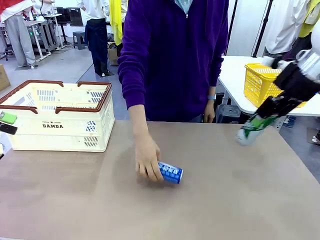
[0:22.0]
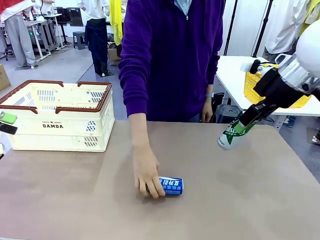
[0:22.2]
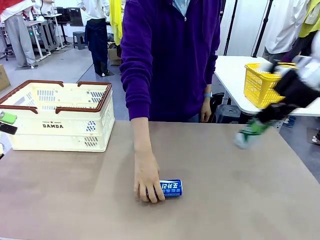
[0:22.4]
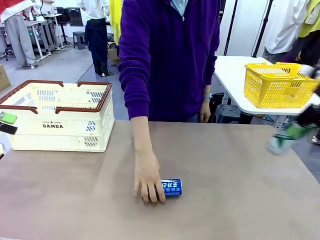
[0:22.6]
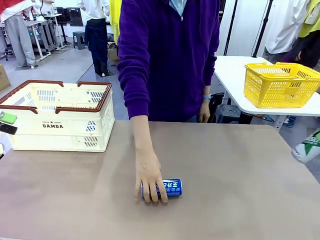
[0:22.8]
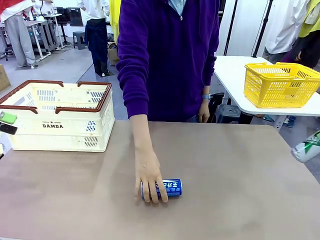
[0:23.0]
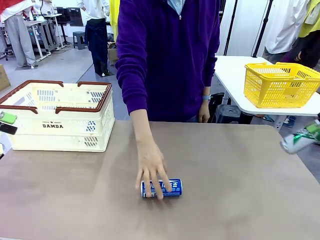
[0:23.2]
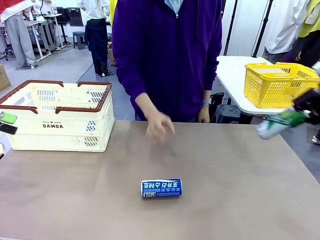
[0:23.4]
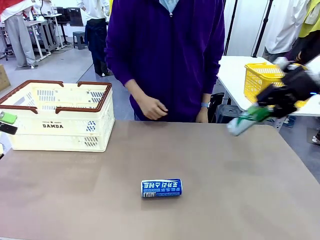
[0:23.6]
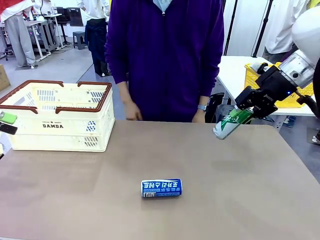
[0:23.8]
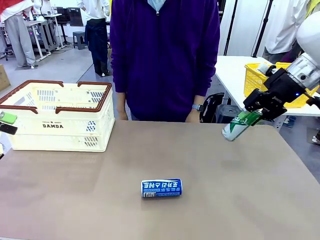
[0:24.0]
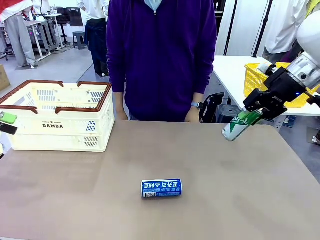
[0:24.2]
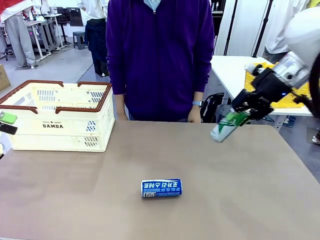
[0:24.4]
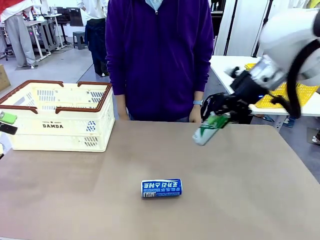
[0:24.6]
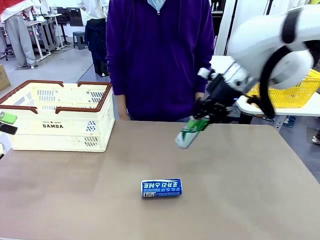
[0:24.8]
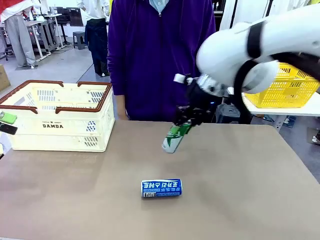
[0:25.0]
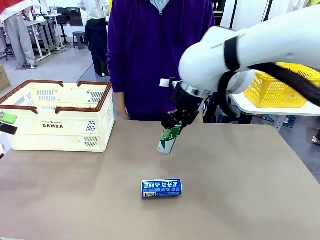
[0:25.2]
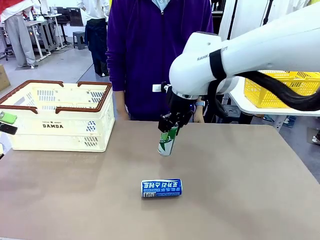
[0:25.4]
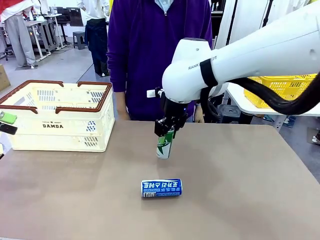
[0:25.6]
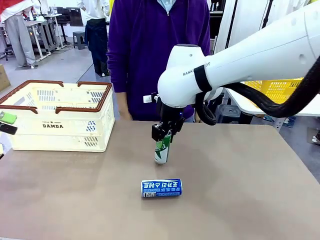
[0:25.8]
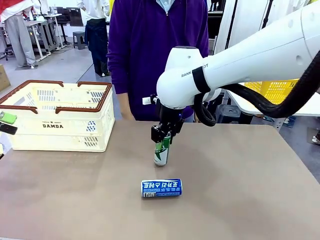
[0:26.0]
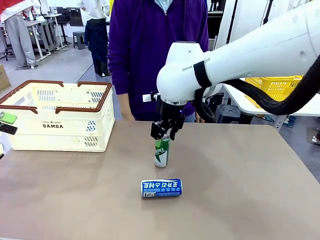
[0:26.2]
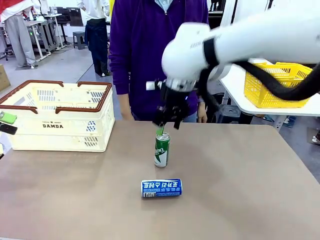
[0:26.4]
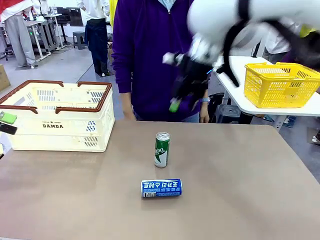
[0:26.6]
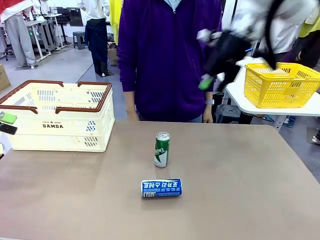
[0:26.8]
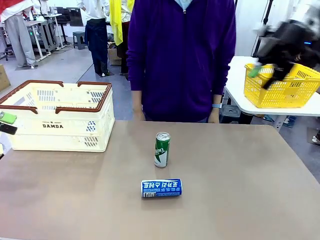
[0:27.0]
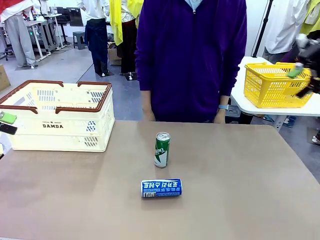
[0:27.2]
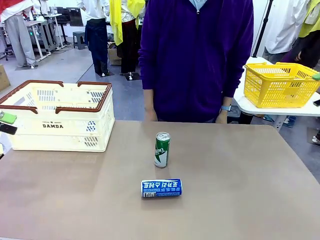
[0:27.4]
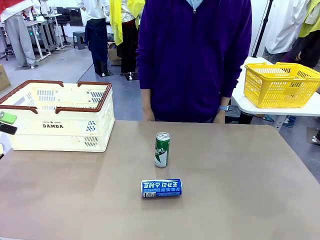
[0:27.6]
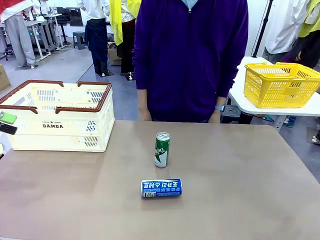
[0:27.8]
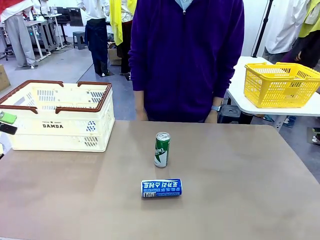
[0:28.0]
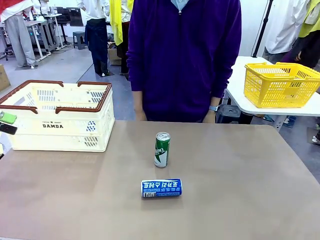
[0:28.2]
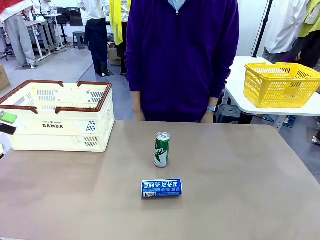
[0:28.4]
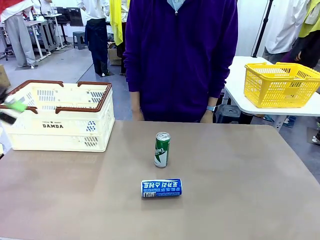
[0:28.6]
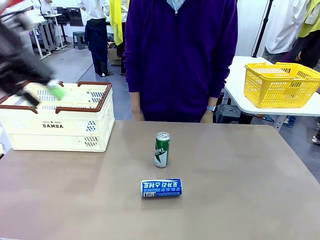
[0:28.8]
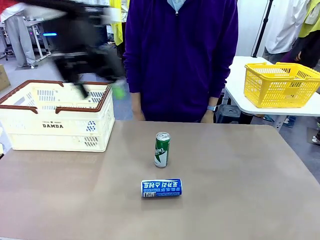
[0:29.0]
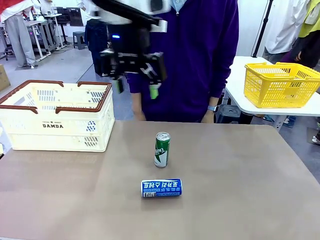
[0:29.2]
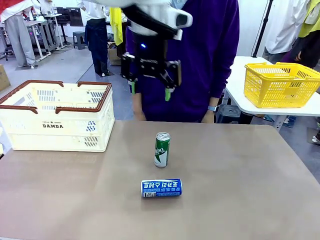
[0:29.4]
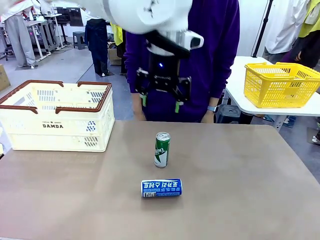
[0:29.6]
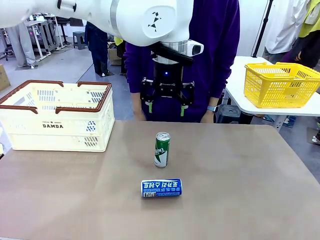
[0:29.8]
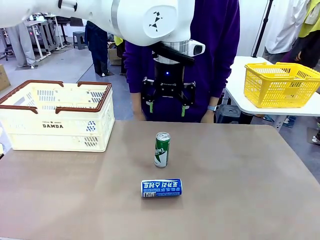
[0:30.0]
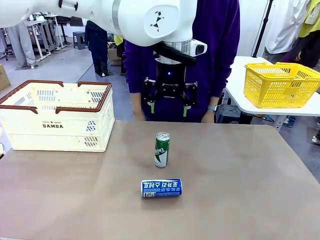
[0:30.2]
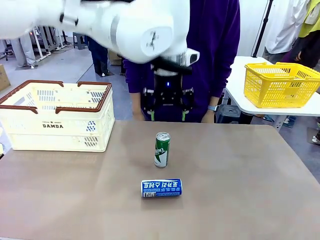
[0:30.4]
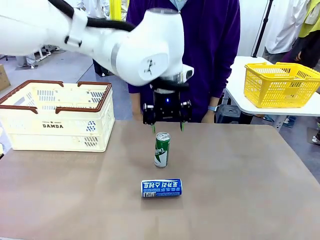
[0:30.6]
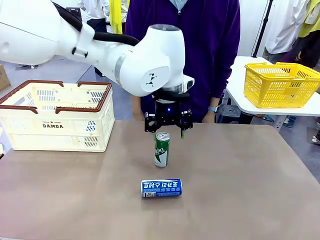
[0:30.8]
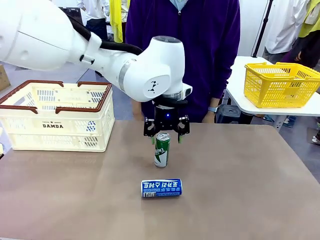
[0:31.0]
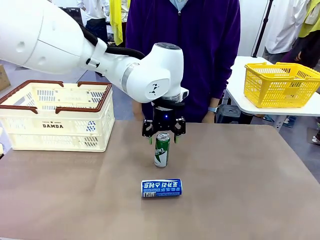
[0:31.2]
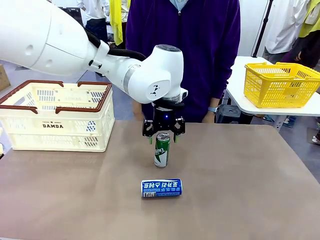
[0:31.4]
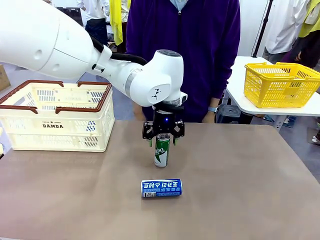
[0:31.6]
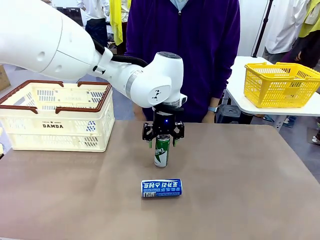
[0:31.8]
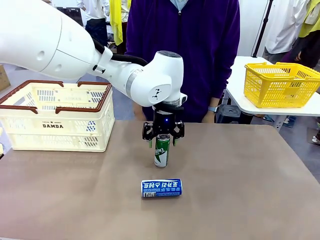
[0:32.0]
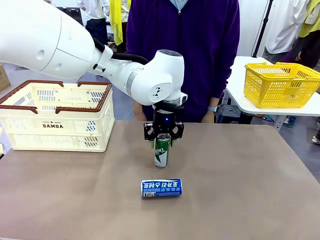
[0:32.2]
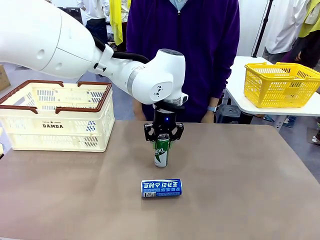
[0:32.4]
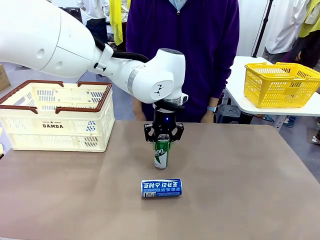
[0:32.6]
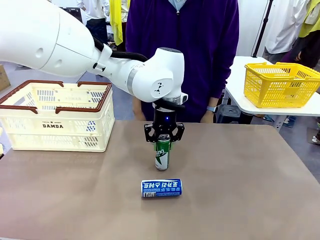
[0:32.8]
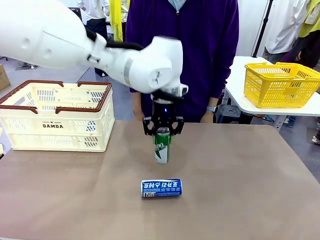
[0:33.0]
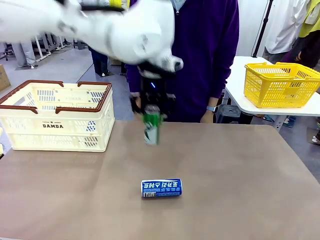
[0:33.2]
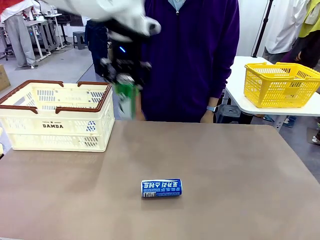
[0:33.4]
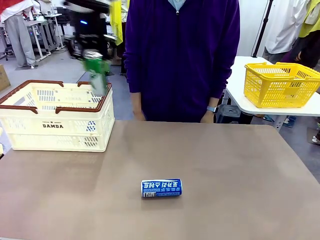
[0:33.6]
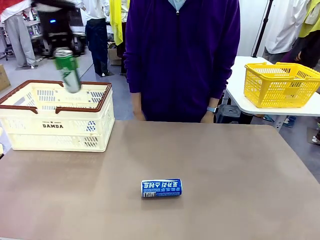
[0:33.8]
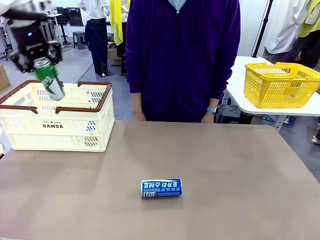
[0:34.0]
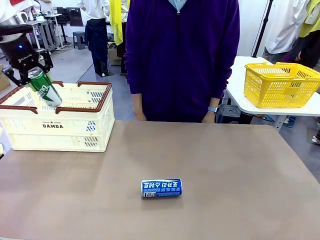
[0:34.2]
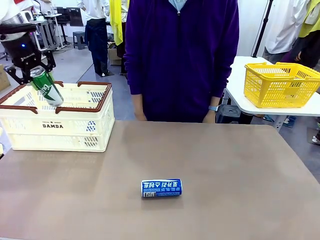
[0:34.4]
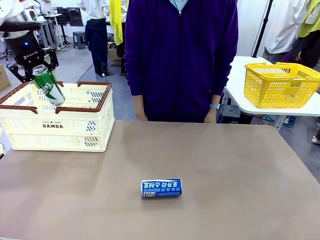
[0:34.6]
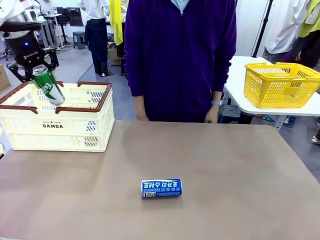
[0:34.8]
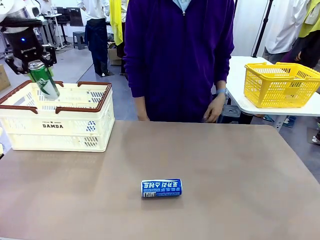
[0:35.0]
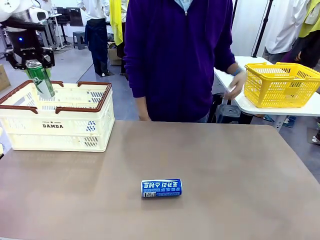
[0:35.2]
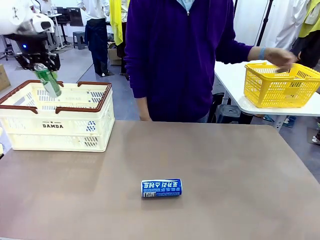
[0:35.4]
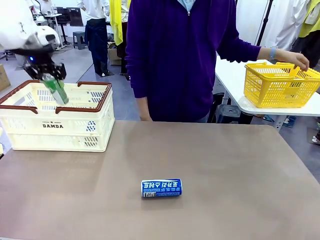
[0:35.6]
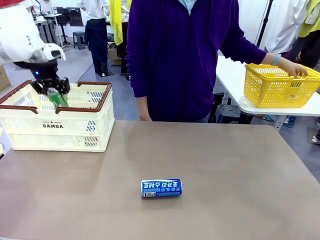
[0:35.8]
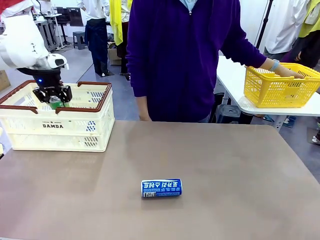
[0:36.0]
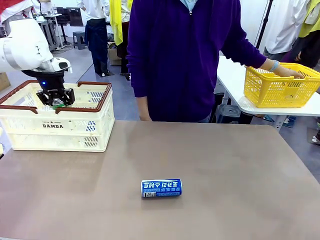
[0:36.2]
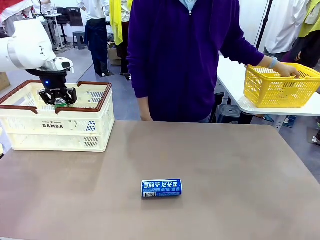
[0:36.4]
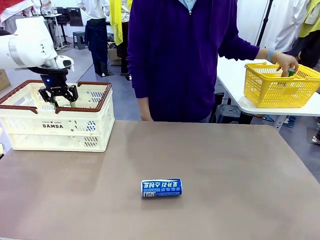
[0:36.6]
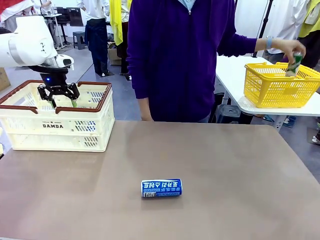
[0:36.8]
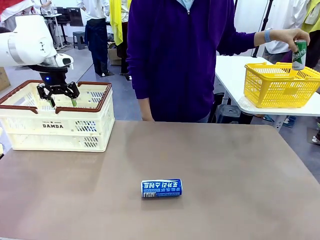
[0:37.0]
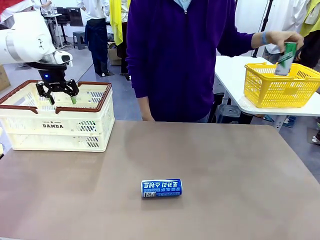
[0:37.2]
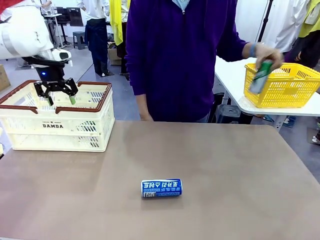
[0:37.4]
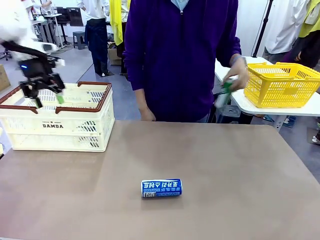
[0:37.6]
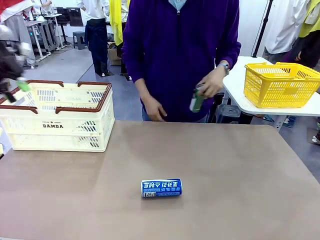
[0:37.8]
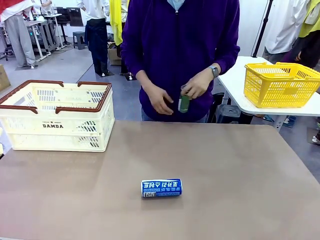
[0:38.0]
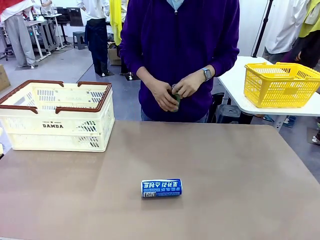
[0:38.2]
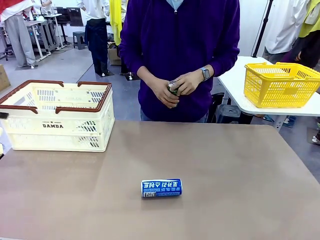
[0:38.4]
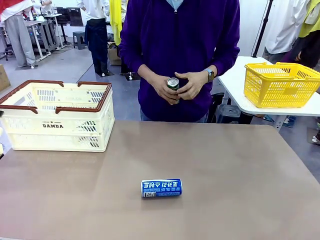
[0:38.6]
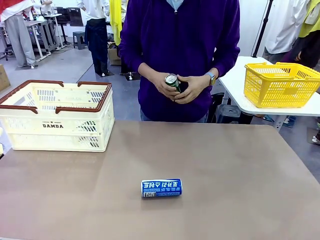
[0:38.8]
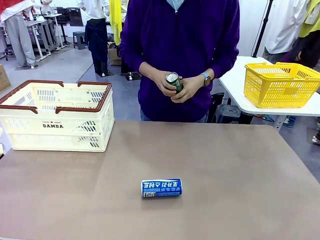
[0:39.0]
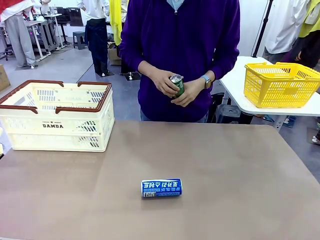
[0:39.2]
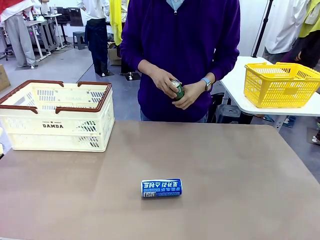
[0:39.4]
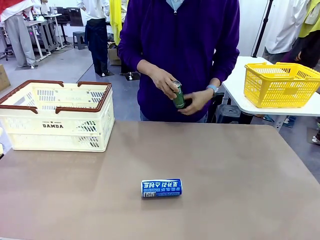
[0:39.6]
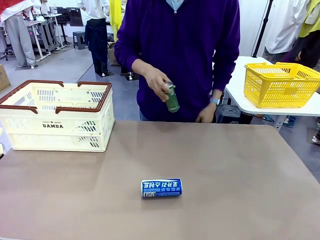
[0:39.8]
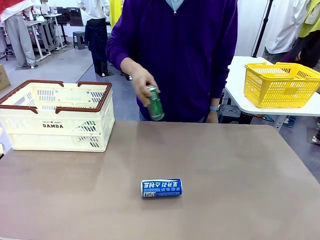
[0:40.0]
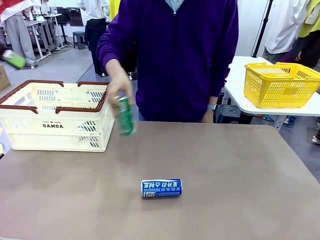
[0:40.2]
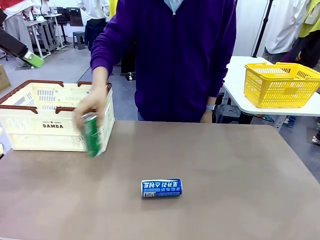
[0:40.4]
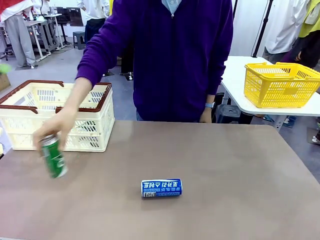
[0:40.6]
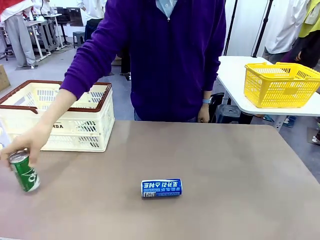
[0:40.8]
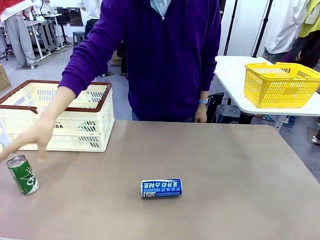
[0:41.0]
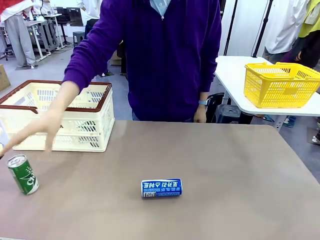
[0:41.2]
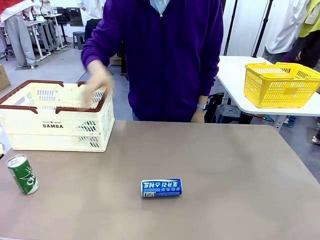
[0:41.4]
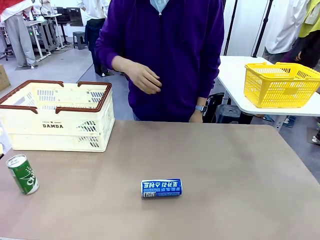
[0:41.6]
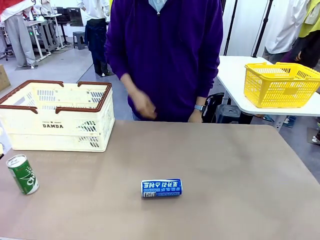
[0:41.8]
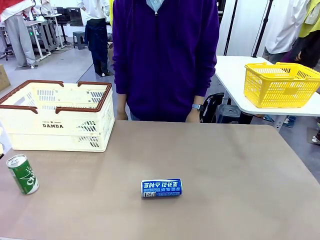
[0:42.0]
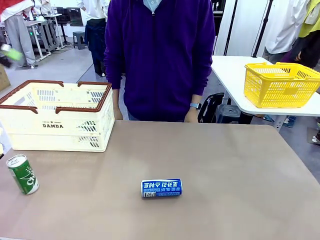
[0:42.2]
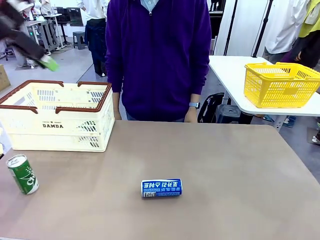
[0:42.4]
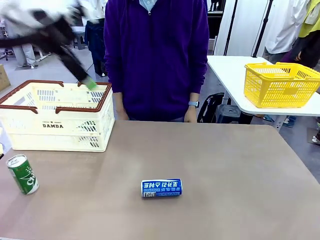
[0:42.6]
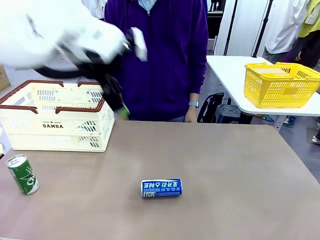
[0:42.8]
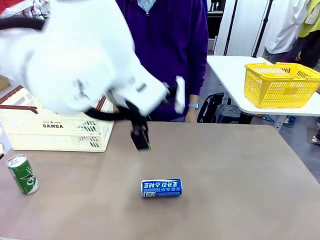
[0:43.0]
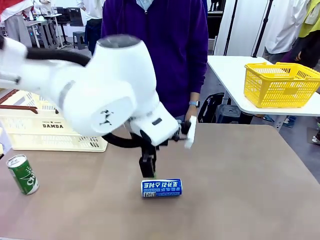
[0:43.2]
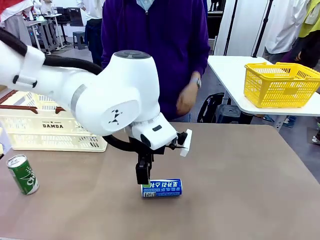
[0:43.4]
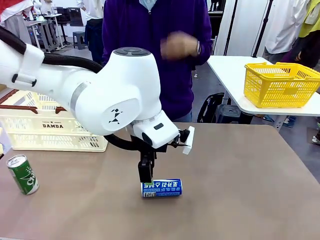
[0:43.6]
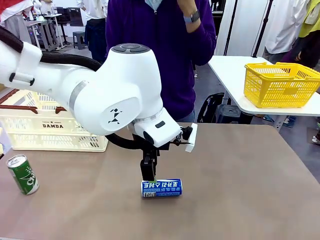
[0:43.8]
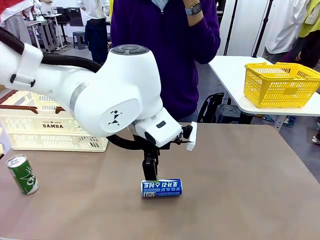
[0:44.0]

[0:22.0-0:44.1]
Task: Place the drinks into the Shopping basket.
Robot: Pick up one drink and place it into the Shopping basket.
